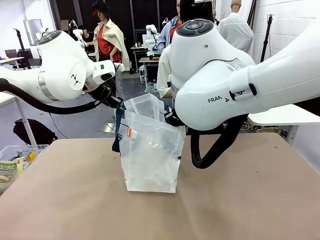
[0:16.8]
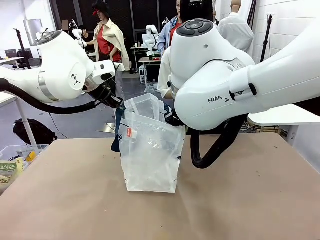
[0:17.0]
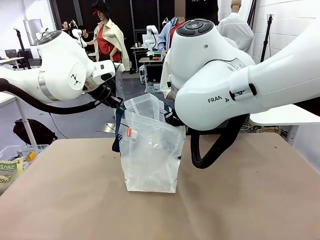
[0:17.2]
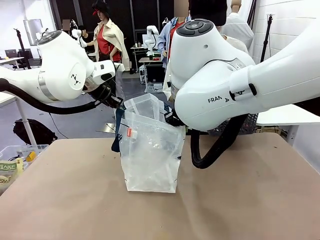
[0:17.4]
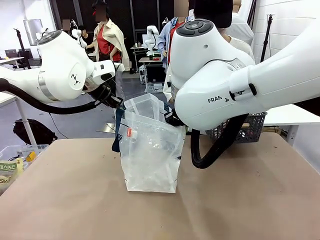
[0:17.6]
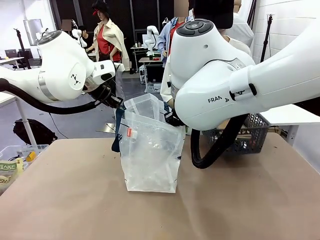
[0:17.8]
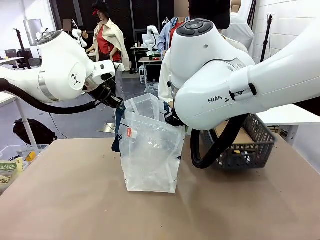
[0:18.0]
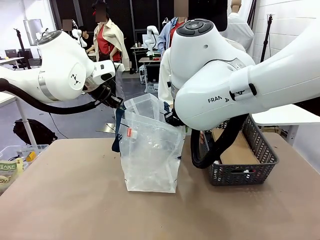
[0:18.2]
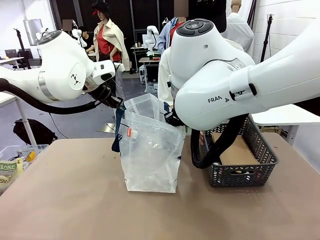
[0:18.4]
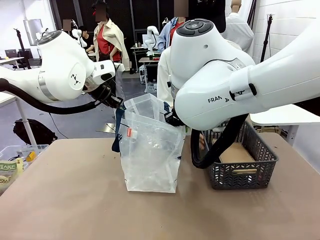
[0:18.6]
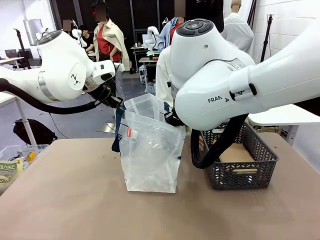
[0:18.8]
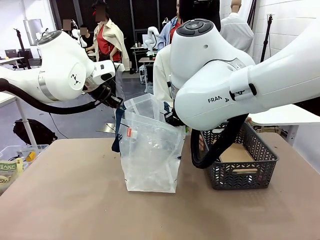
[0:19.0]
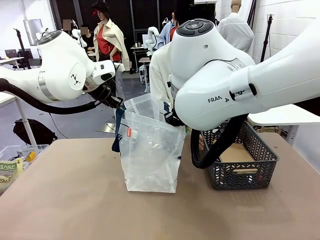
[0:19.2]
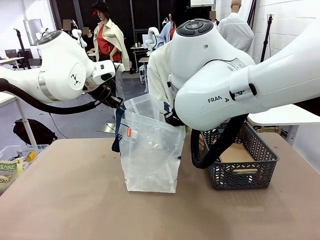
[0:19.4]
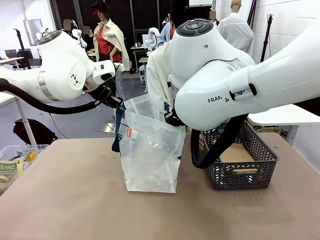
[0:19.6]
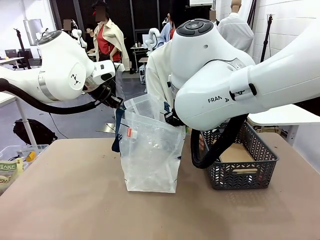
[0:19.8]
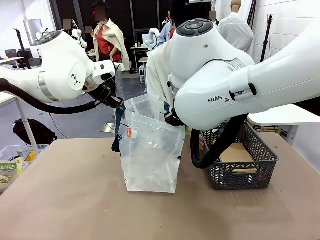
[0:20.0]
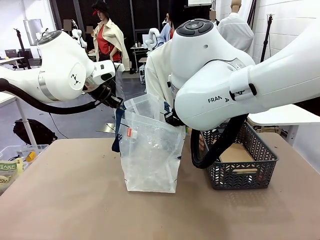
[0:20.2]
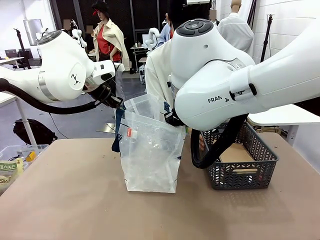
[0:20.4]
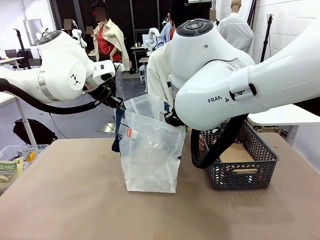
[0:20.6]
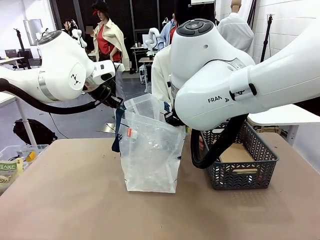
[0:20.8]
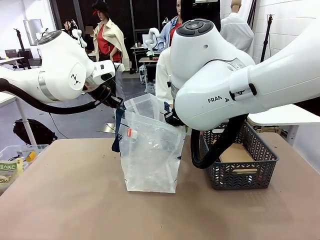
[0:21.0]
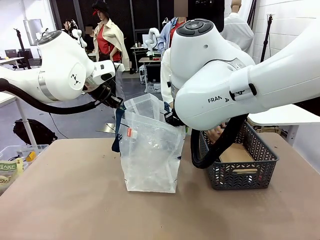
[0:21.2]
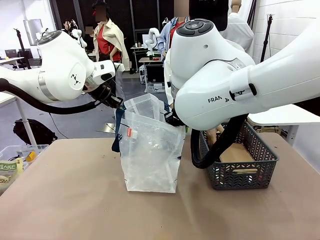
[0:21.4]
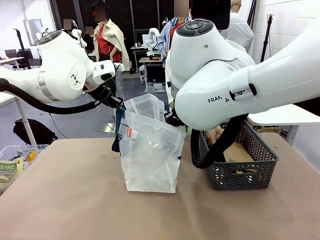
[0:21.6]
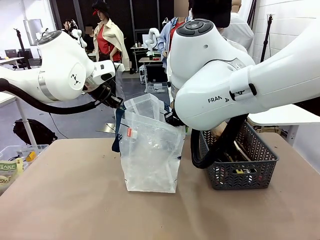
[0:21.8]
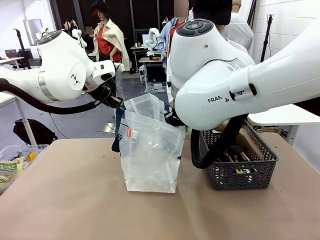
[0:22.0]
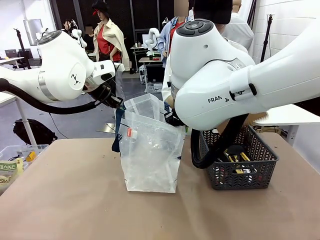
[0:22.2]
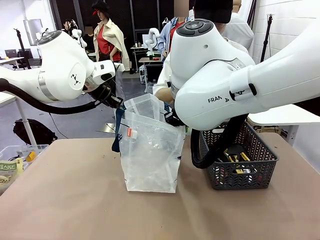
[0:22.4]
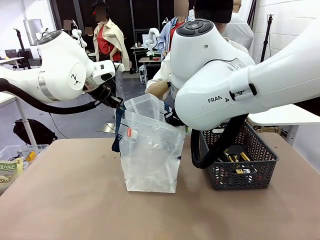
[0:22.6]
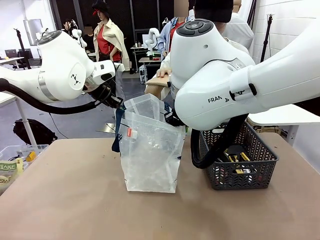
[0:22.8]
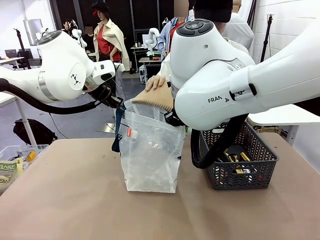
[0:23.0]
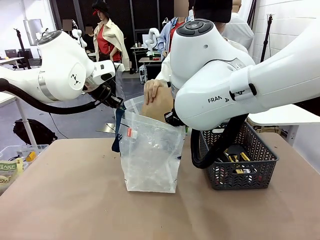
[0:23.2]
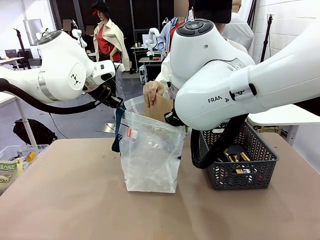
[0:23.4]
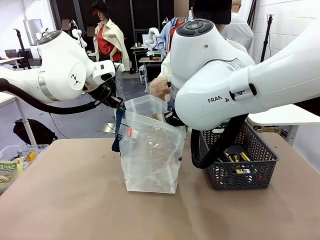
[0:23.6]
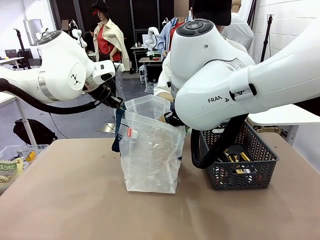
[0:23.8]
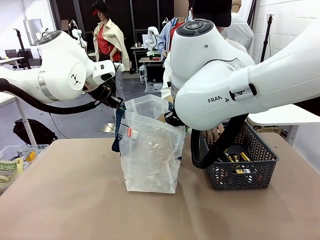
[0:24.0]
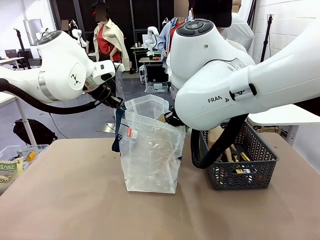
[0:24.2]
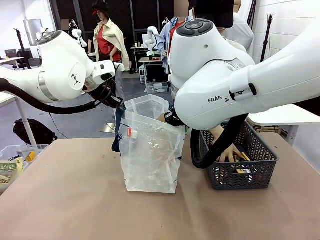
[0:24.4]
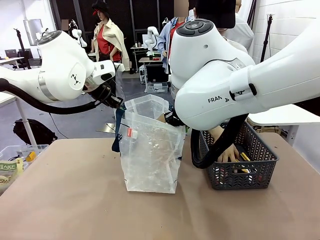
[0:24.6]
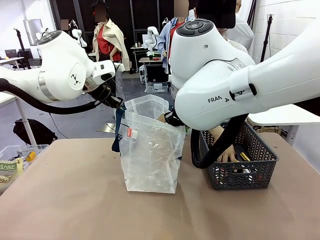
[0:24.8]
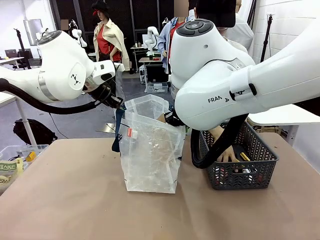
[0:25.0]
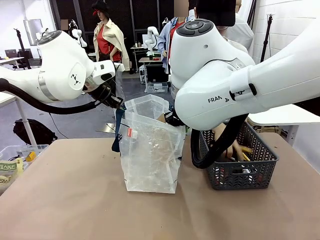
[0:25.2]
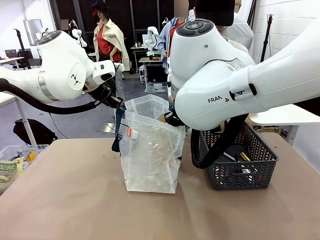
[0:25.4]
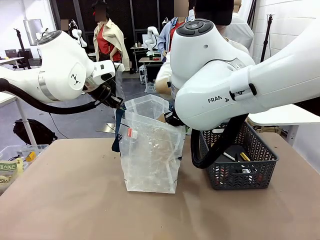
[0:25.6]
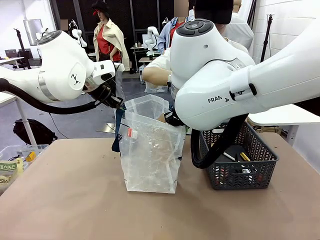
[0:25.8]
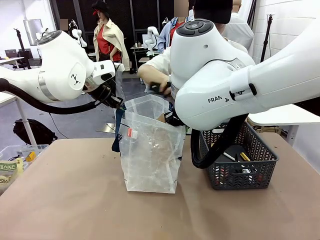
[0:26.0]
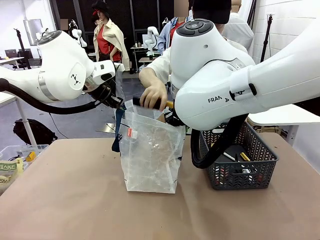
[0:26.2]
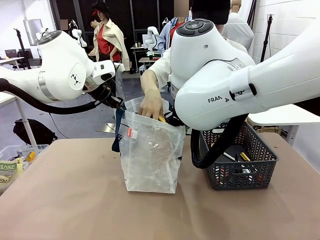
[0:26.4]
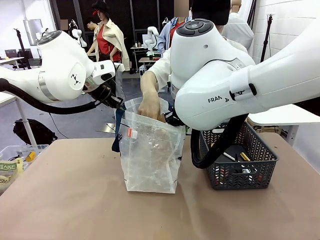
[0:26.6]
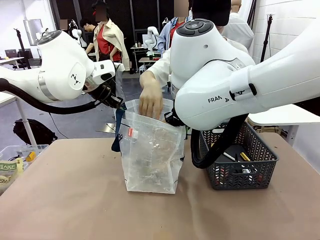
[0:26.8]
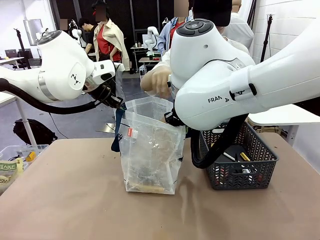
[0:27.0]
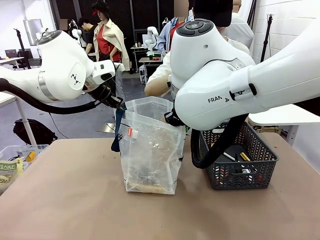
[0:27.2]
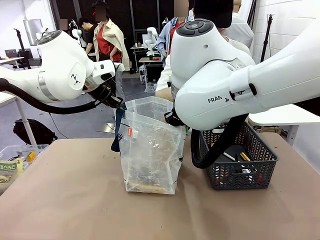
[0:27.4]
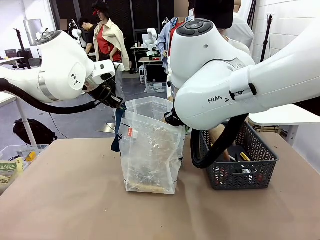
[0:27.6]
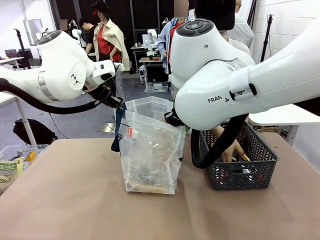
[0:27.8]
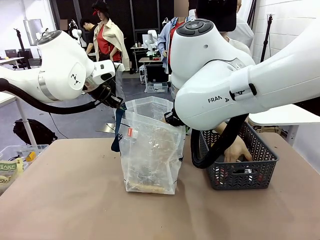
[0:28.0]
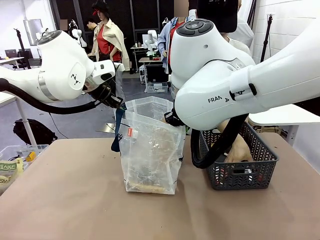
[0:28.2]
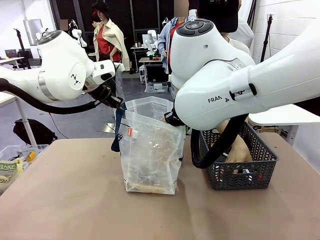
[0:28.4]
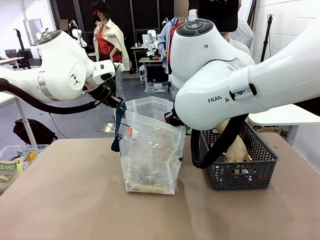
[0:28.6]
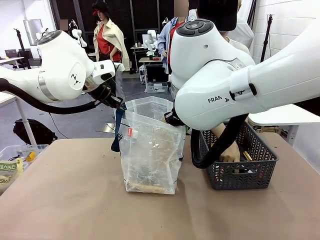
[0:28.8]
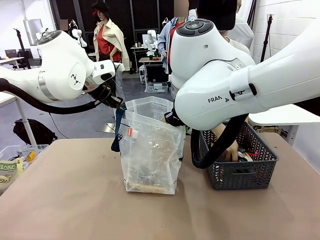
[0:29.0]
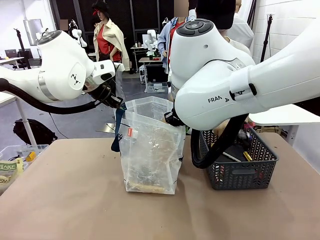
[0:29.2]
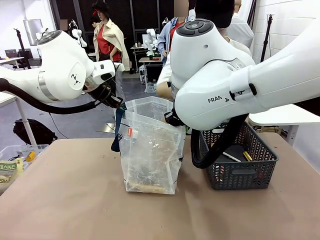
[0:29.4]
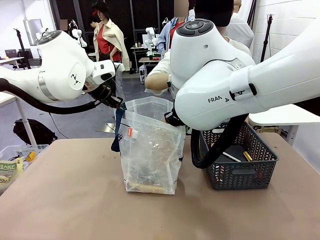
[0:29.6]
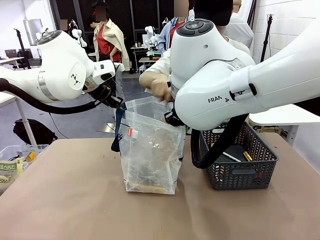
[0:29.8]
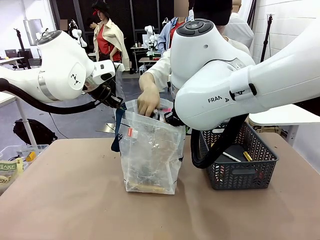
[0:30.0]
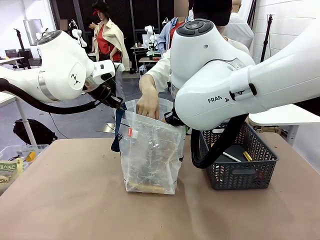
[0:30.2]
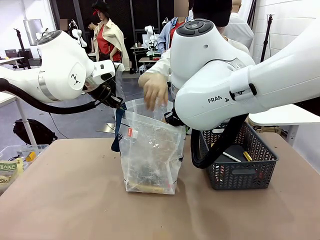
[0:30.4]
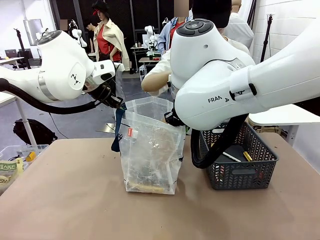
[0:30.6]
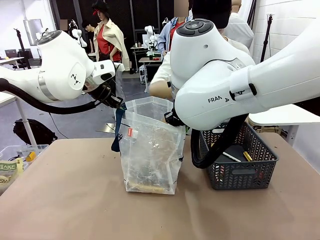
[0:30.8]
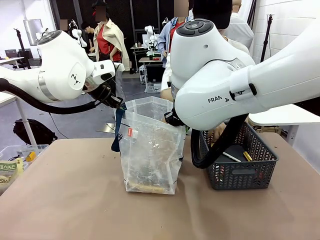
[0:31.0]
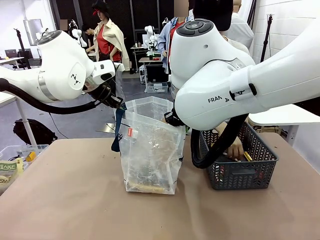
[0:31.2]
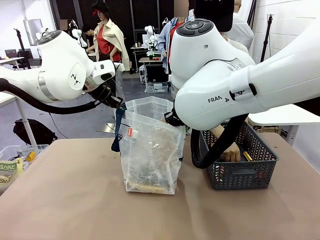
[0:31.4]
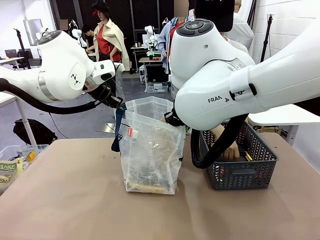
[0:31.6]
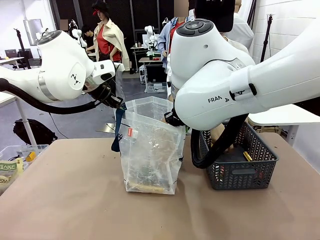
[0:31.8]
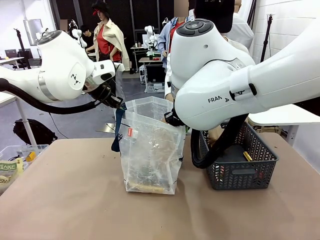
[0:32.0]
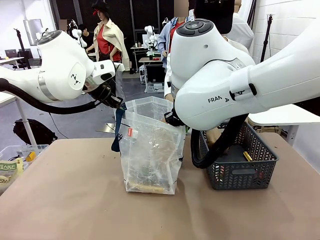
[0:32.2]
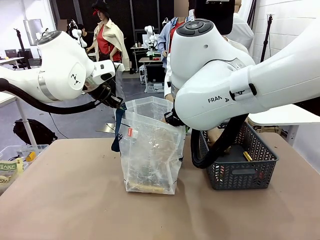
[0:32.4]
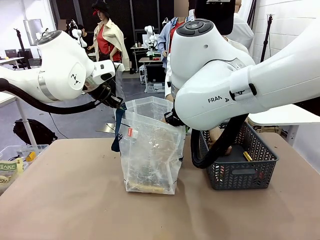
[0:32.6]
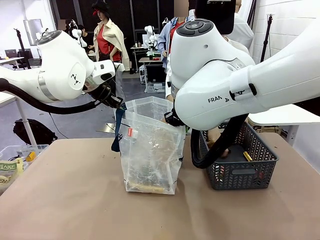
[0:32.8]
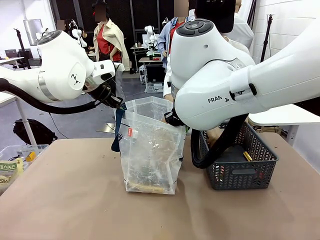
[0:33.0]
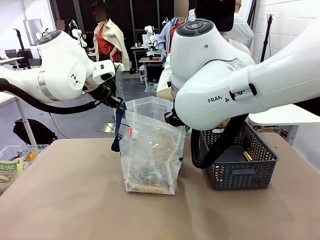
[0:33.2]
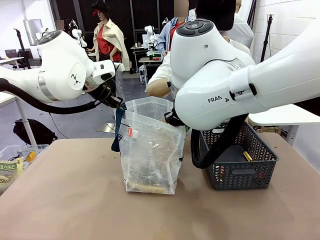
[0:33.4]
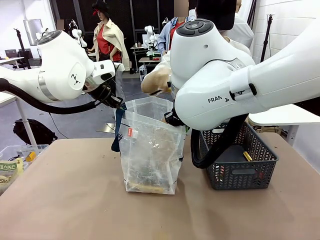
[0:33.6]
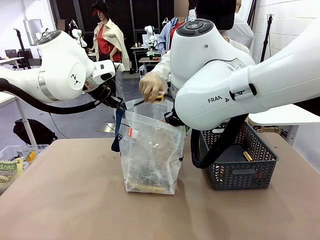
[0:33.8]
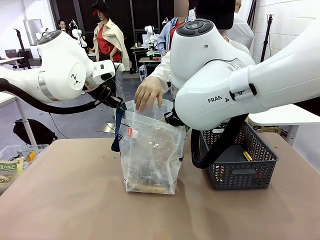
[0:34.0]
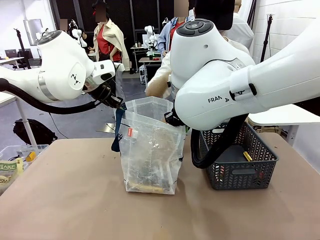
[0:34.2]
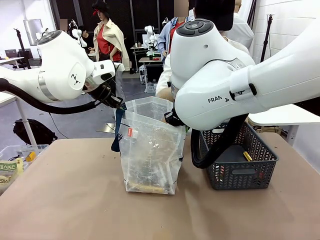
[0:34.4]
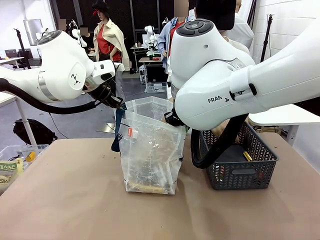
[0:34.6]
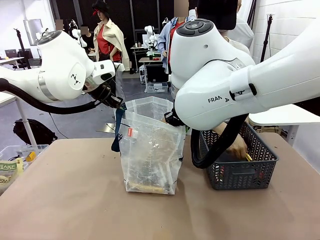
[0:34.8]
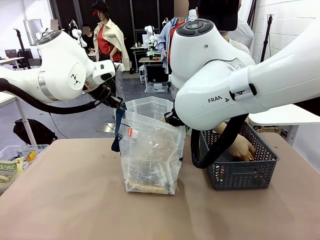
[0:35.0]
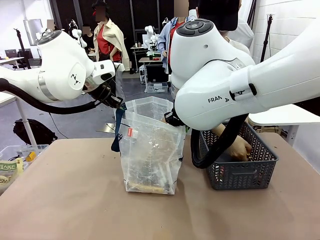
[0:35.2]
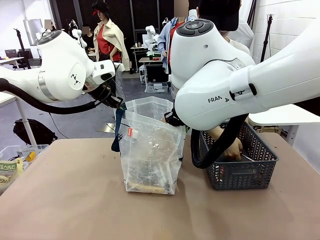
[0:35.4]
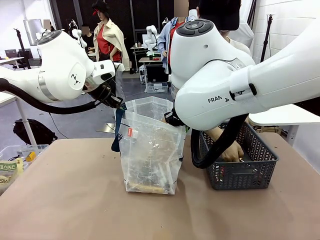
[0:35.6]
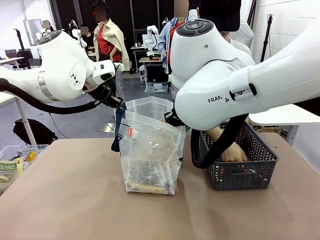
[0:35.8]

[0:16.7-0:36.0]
Task: Transfer purchased items from the store into the shopping bag.
Robot: Move the Reusable shopping bag to the right side of the table.
Person: Pick up the basket with the items out and place it on the right side of the human table.

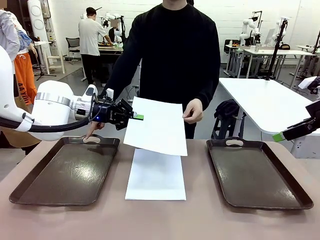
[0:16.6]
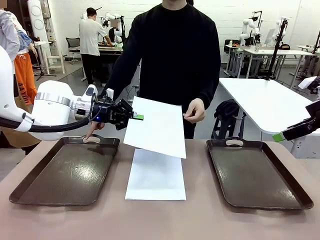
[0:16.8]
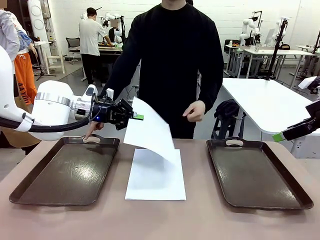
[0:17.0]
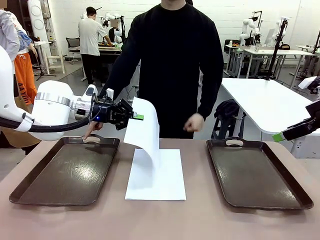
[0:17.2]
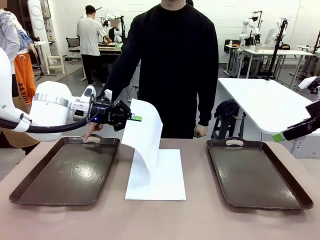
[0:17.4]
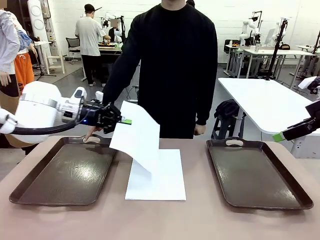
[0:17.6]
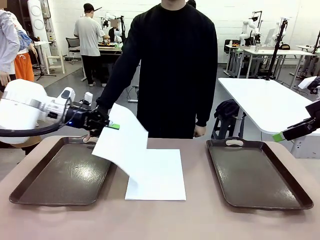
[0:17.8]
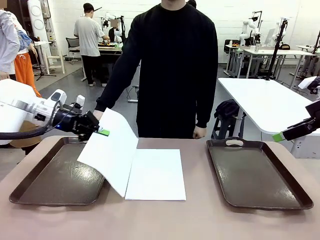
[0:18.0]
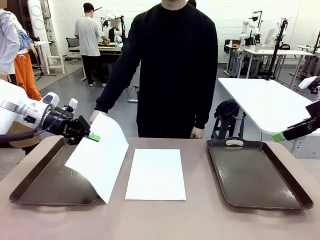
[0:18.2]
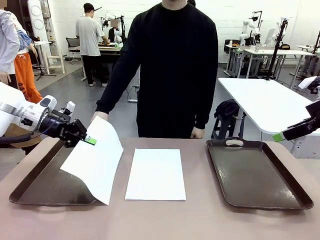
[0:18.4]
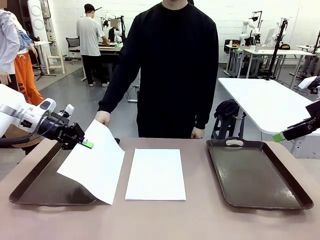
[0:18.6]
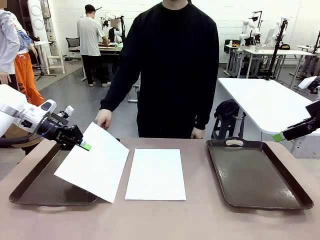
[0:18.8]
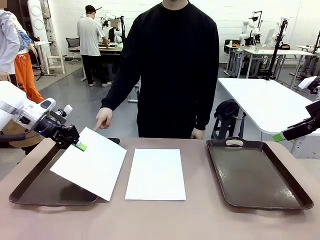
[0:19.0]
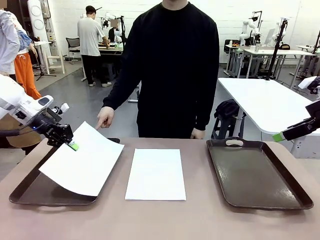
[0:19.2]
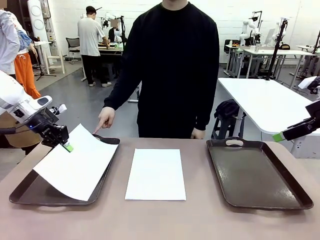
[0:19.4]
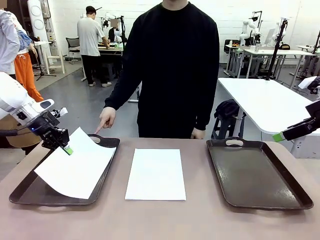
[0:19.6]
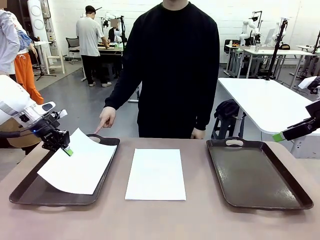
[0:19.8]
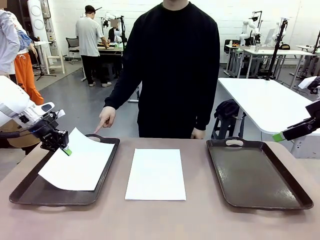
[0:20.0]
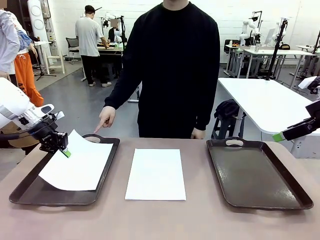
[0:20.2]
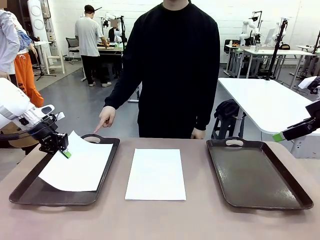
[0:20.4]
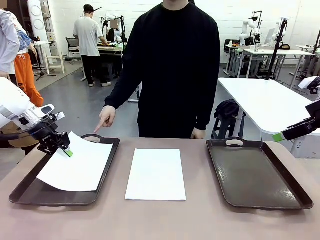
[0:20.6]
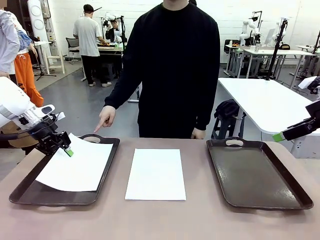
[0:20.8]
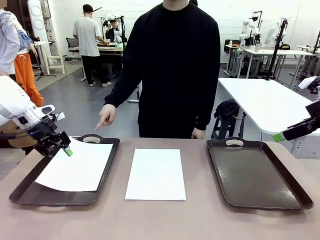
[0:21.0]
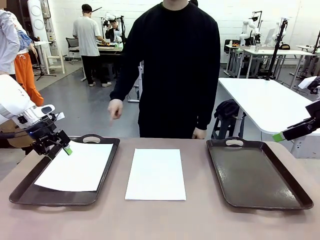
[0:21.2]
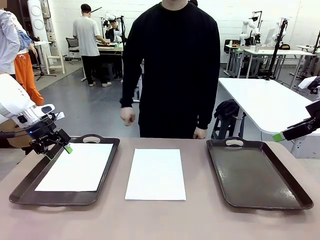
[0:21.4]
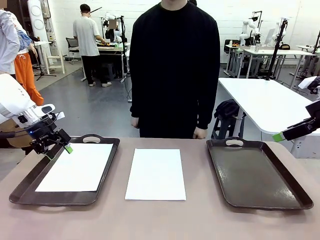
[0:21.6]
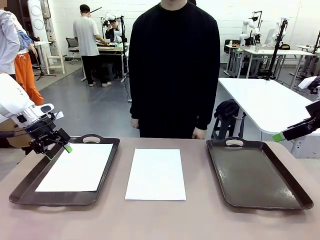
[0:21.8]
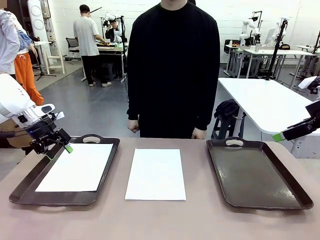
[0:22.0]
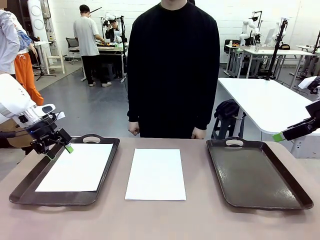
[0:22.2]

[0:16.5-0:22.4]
Task: Sort the A4 documents.
Robot: Place the A4 Paper in the designated Handle tray.
